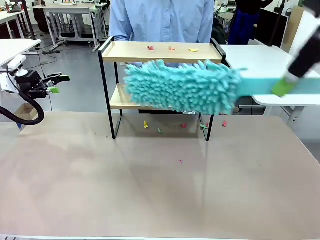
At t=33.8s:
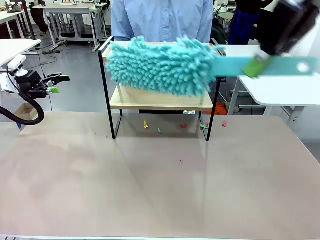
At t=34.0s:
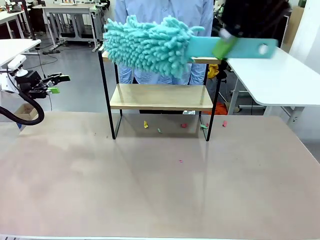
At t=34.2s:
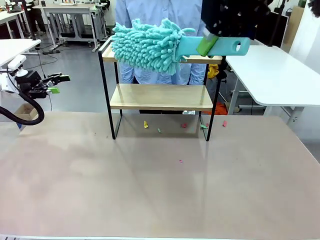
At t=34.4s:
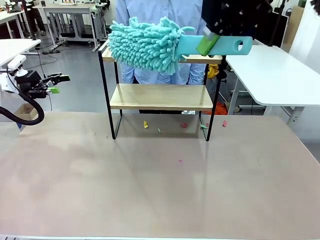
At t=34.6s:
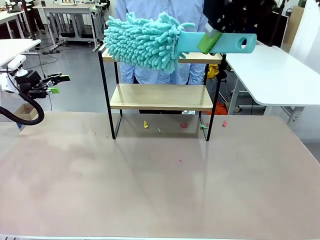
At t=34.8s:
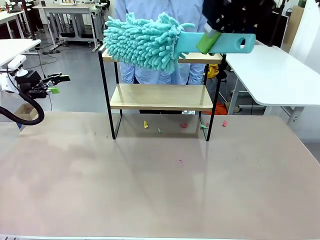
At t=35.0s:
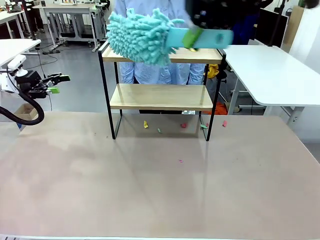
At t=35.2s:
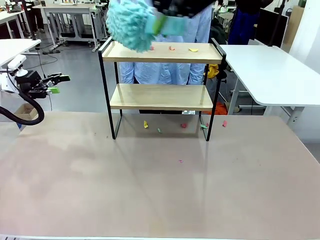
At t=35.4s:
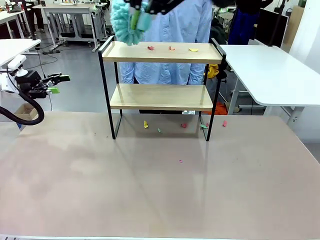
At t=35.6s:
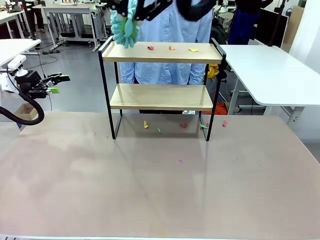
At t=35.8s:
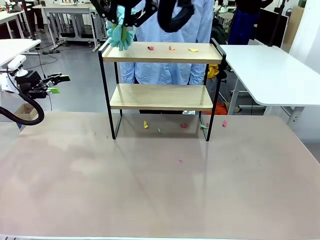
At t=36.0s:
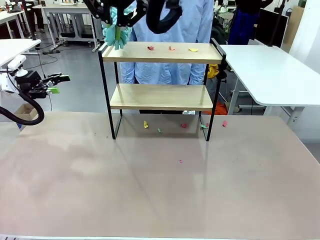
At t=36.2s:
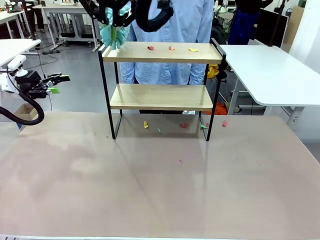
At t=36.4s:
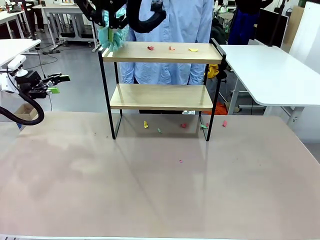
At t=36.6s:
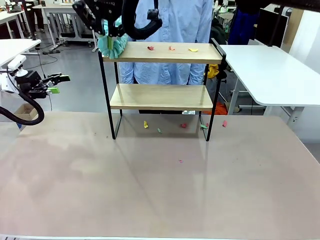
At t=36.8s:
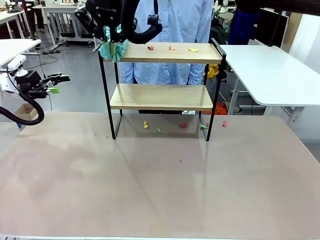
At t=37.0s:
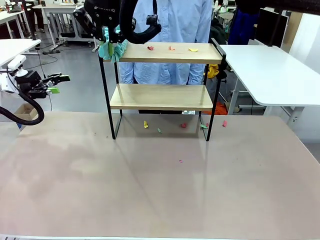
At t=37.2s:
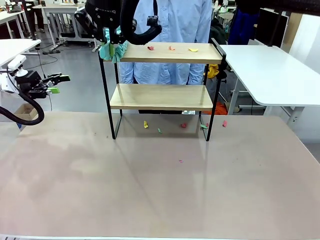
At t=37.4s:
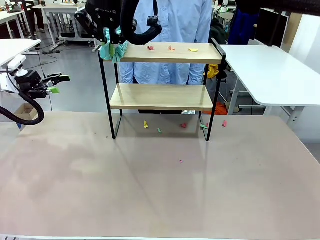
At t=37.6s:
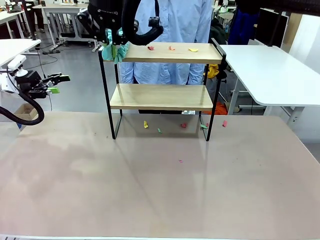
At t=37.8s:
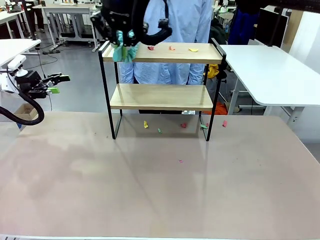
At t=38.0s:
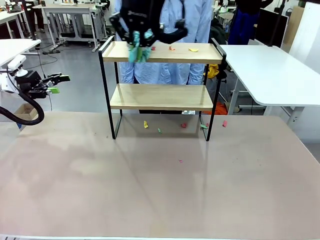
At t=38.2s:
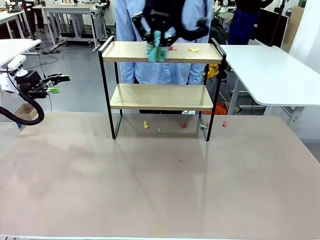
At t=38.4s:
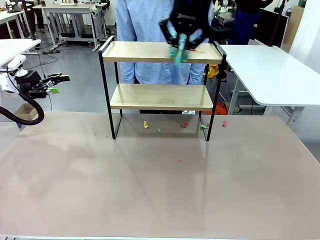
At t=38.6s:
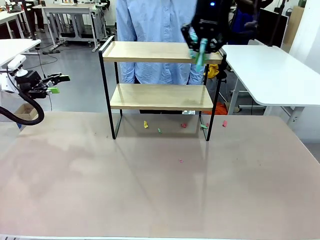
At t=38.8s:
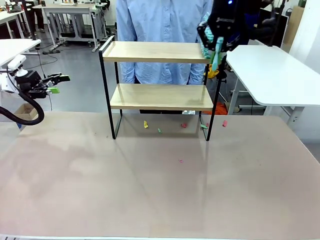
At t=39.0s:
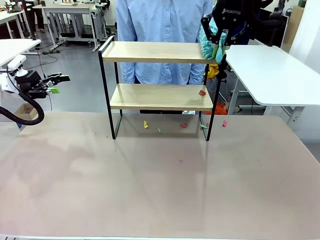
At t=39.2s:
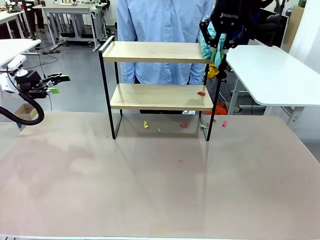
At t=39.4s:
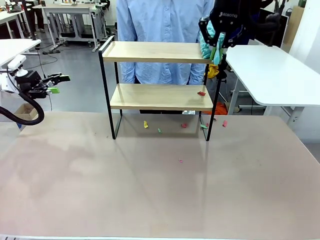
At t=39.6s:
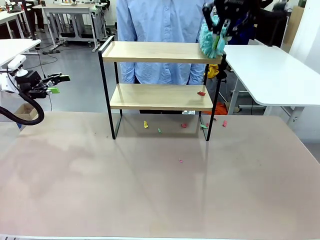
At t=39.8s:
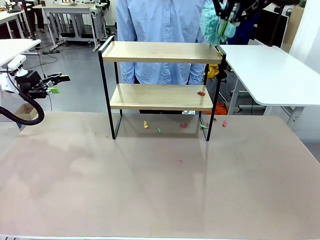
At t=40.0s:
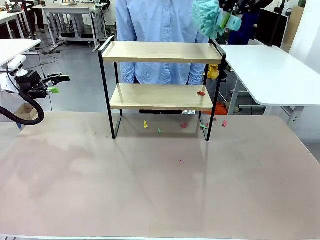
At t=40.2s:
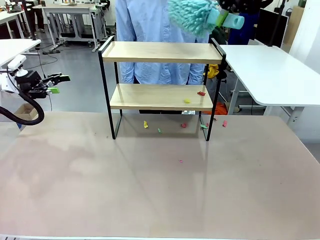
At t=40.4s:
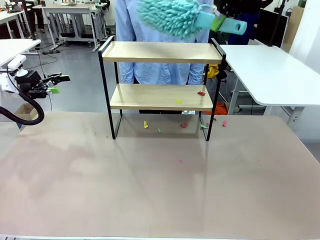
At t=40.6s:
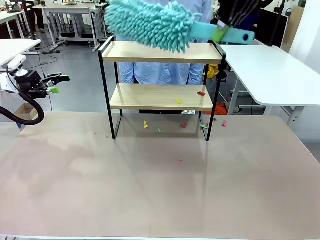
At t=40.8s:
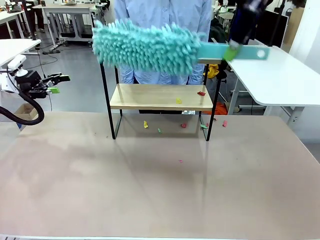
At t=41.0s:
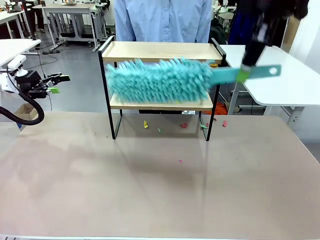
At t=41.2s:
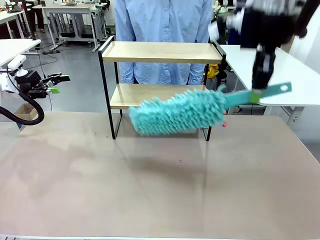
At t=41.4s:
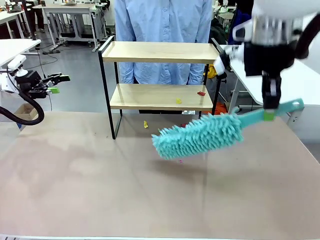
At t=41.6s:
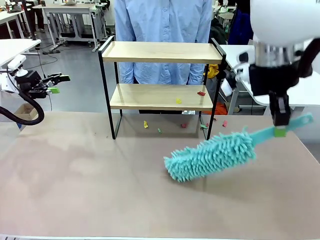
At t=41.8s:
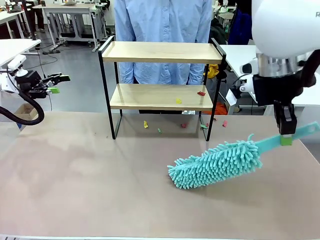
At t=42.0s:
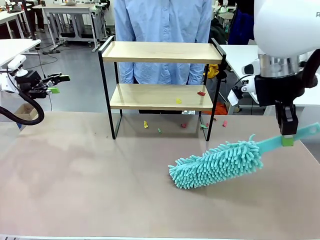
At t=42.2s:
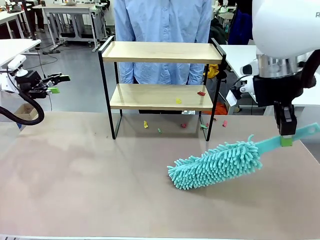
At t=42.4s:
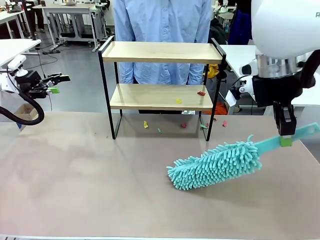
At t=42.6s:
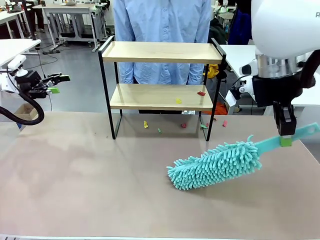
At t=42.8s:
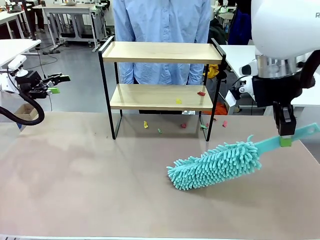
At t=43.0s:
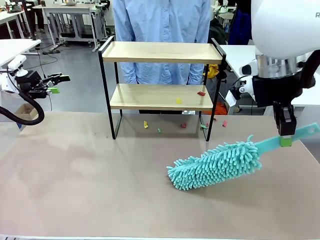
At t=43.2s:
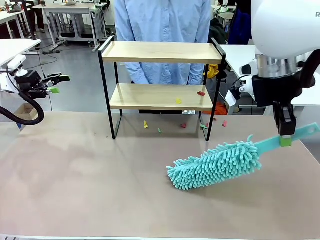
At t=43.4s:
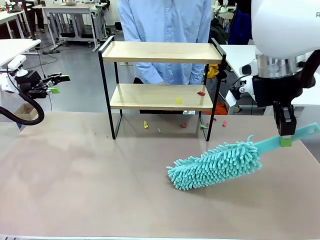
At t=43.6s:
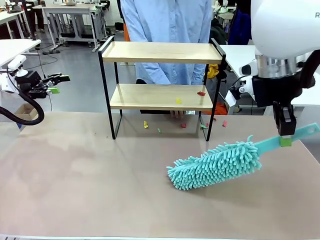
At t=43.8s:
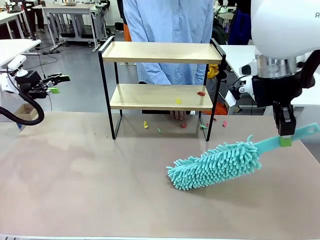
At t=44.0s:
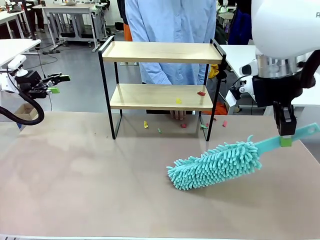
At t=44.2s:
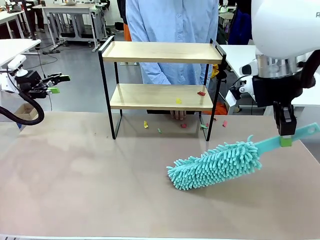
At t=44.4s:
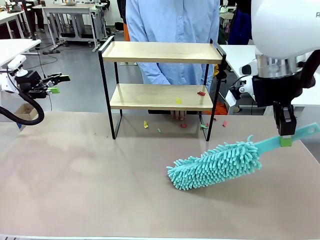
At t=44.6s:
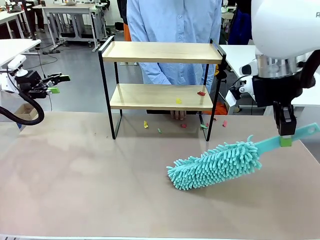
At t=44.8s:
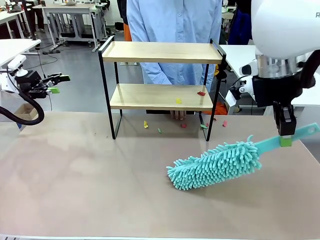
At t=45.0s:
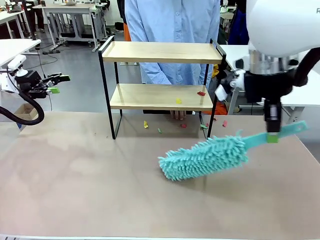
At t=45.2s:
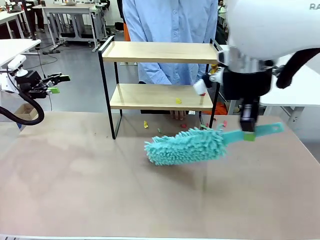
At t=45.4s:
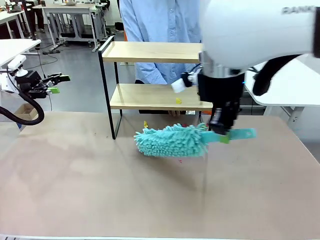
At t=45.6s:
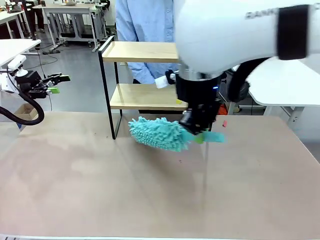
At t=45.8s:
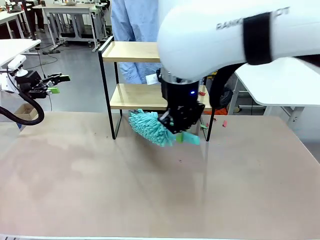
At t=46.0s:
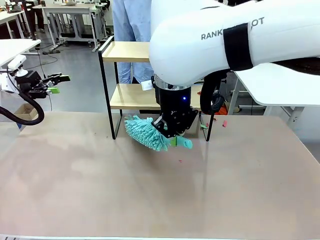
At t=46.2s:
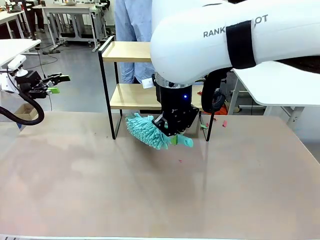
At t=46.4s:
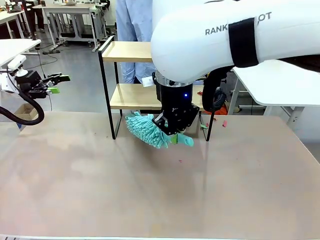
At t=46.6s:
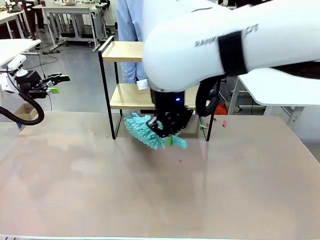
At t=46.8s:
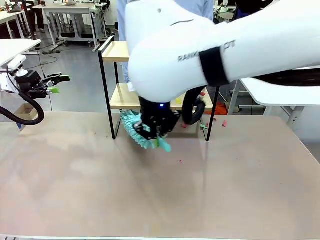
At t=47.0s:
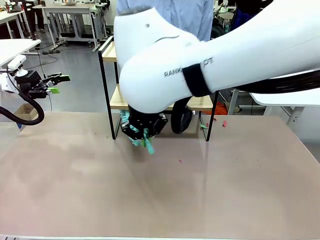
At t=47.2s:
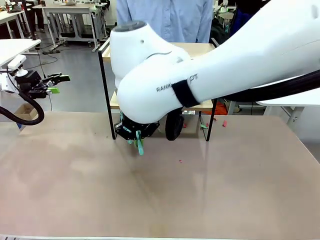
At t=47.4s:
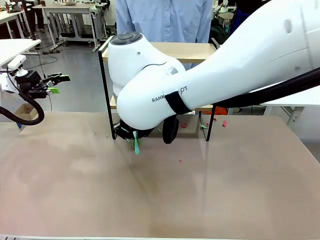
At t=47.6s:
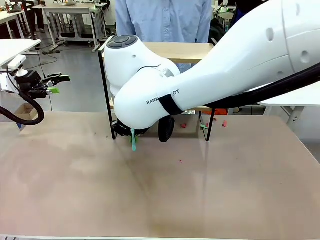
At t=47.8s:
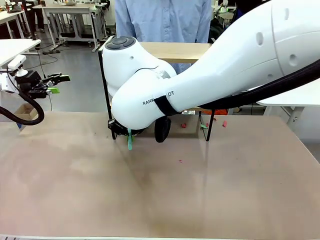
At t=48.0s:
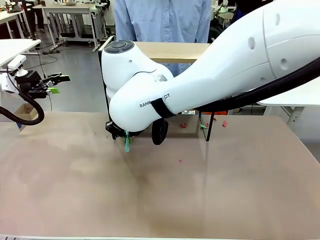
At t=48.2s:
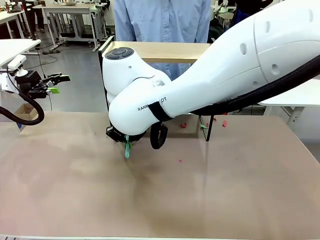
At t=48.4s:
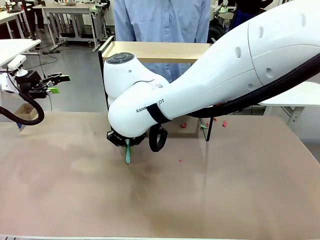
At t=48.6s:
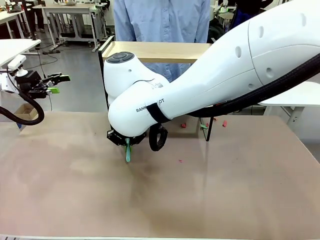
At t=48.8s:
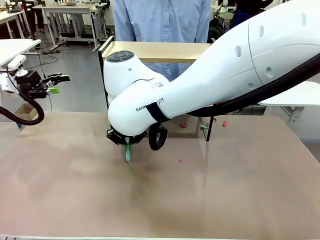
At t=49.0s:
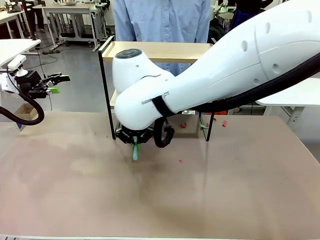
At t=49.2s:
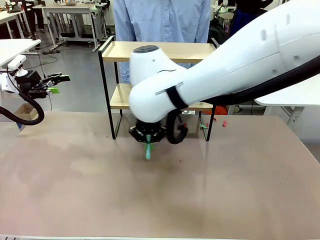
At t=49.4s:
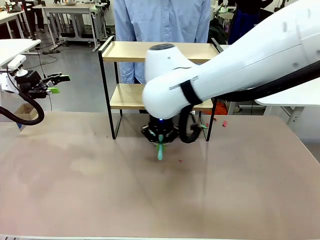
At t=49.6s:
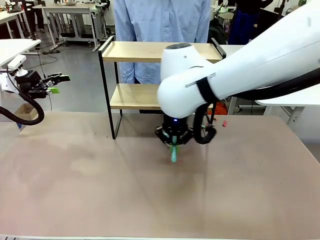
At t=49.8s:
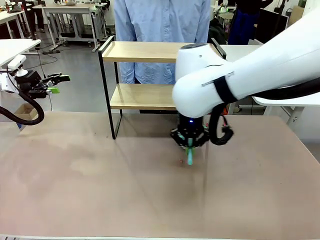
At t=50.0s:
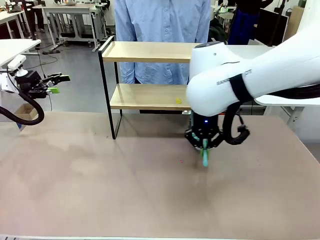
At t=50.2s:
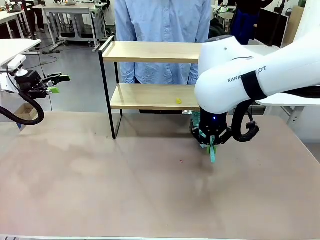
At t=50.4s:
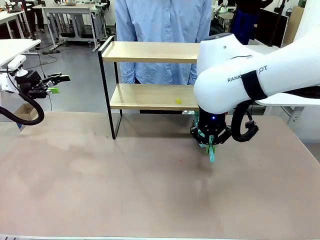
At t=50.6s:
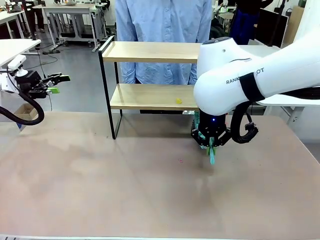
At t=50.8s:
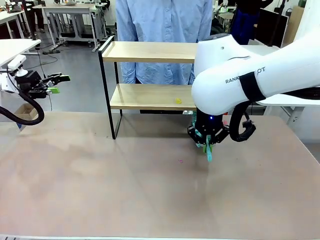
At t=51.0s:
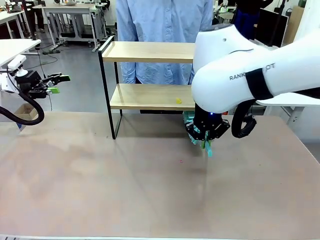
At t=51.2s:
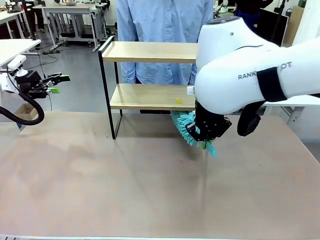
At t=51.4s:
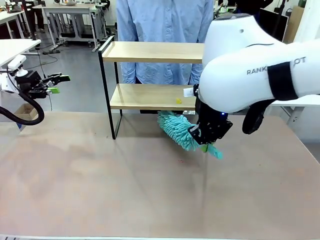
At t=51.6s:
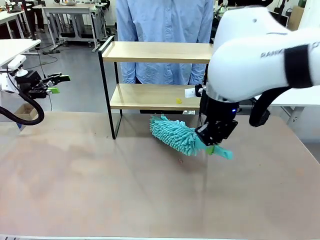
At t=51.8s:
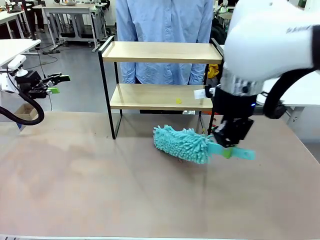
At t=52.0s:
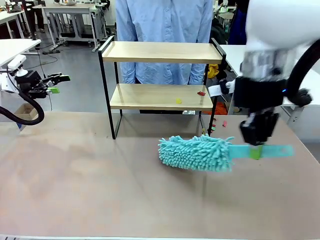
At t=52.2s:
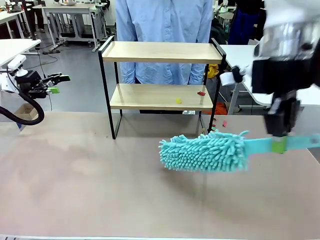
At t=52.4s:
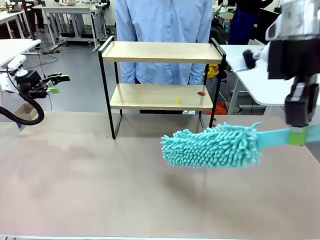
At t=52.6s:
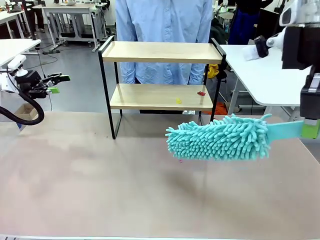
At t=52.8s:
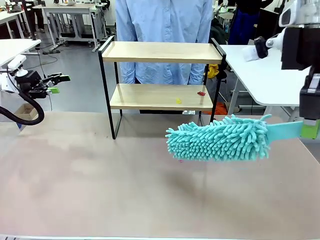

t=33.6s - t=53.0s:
Task: Clean the shelf.
Robot: Clean the specific section of the Shelf indicated by the human with the Duster.
Person: Point a remaining section of the Shelf.
